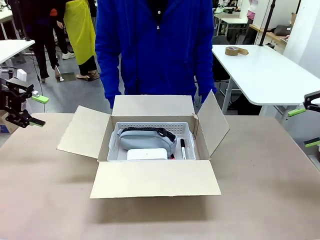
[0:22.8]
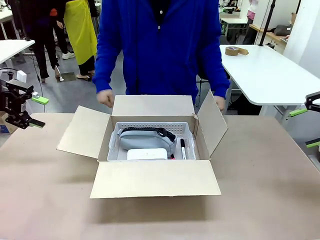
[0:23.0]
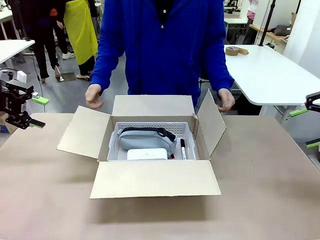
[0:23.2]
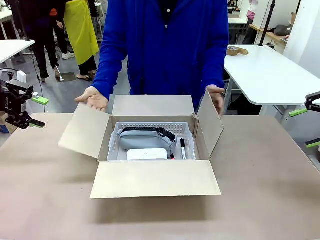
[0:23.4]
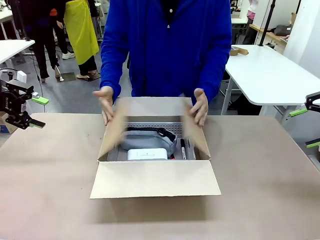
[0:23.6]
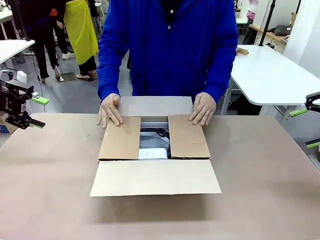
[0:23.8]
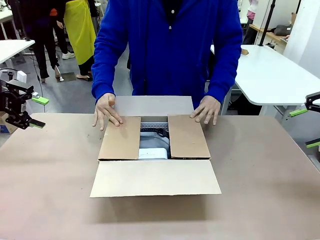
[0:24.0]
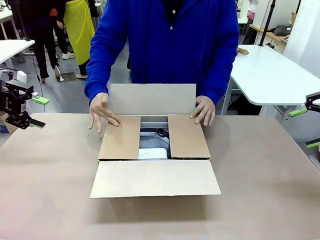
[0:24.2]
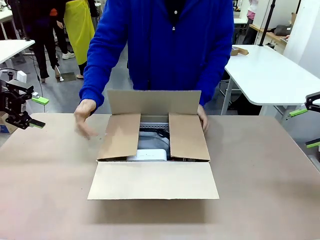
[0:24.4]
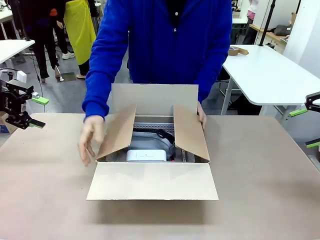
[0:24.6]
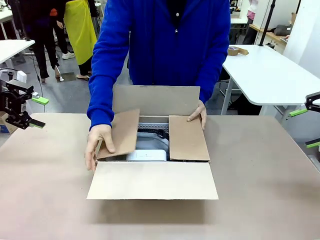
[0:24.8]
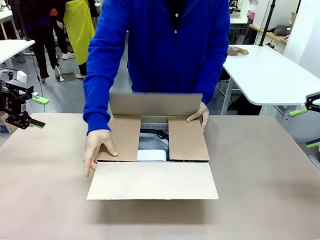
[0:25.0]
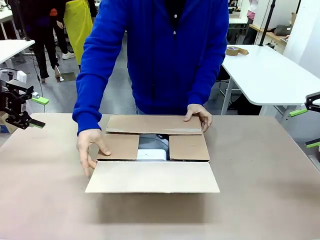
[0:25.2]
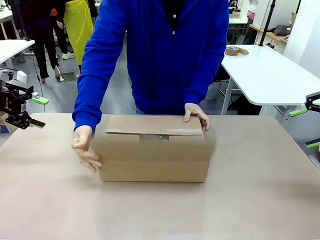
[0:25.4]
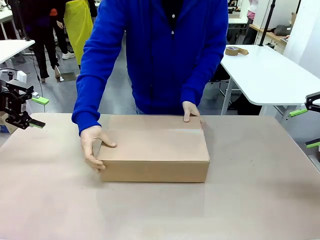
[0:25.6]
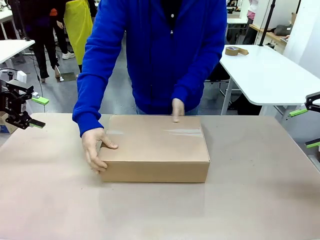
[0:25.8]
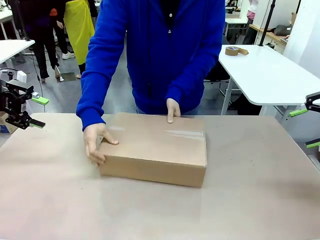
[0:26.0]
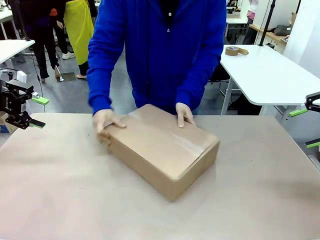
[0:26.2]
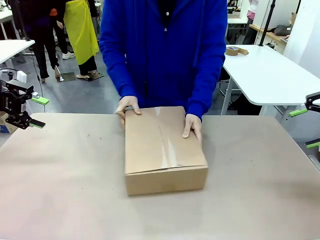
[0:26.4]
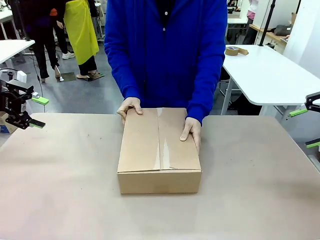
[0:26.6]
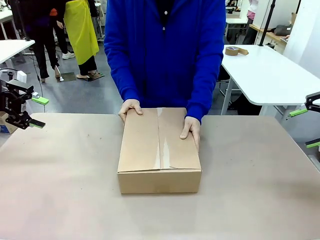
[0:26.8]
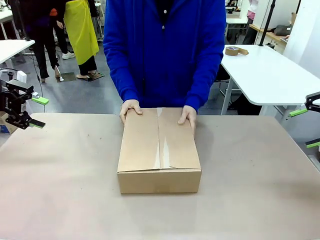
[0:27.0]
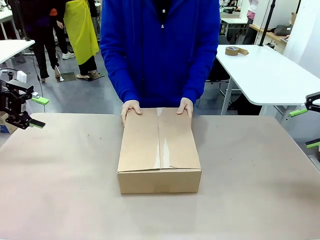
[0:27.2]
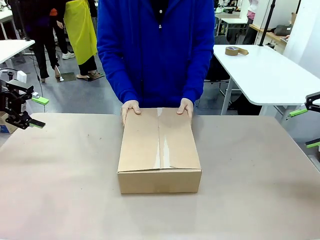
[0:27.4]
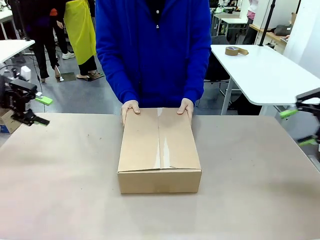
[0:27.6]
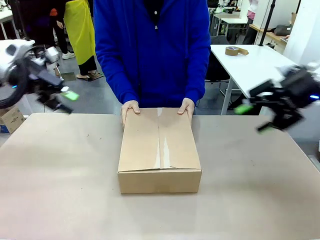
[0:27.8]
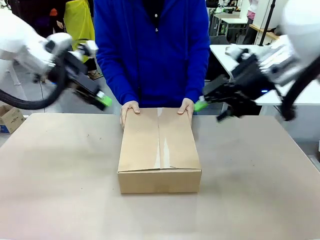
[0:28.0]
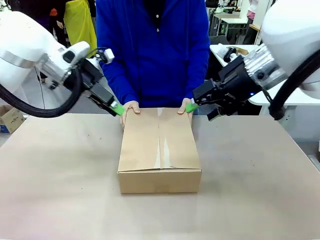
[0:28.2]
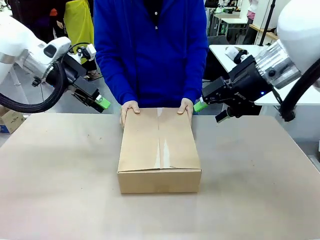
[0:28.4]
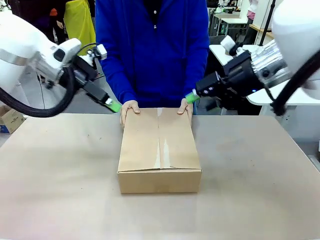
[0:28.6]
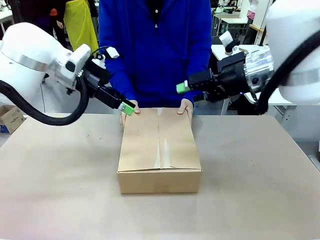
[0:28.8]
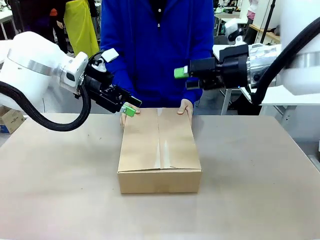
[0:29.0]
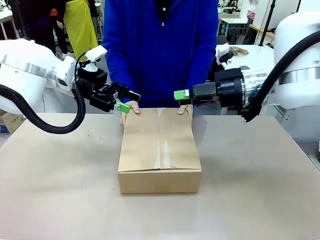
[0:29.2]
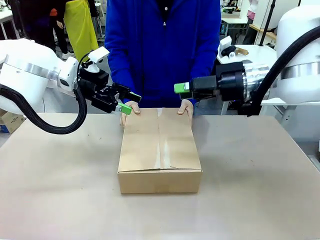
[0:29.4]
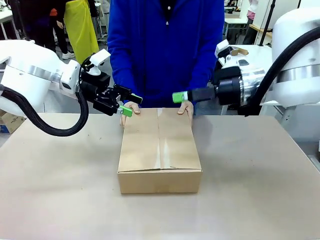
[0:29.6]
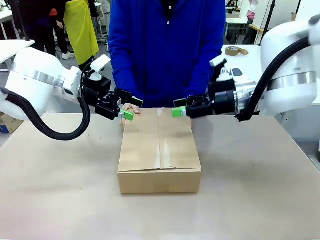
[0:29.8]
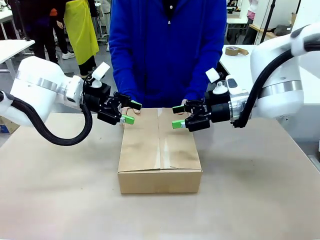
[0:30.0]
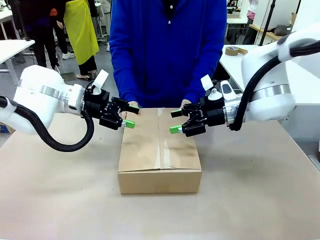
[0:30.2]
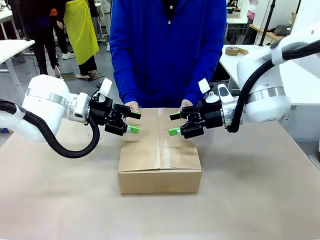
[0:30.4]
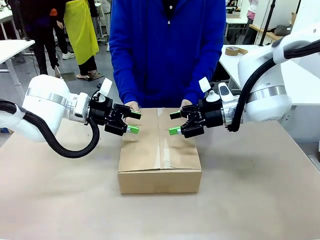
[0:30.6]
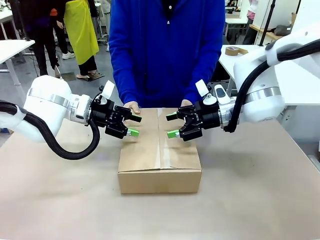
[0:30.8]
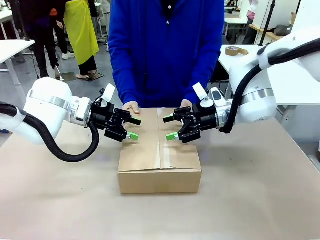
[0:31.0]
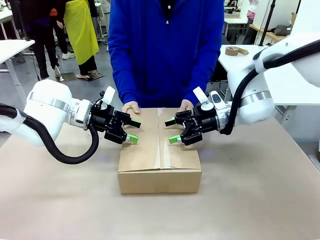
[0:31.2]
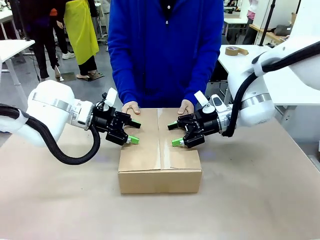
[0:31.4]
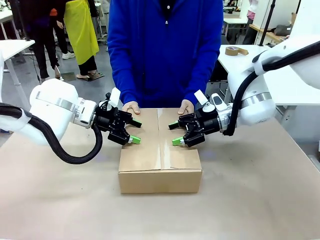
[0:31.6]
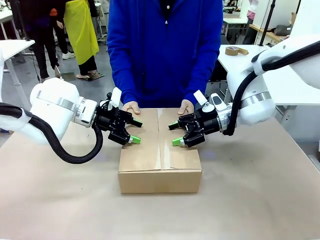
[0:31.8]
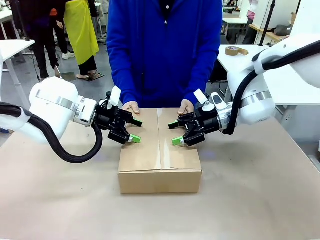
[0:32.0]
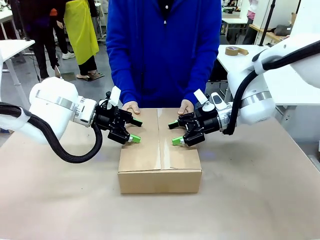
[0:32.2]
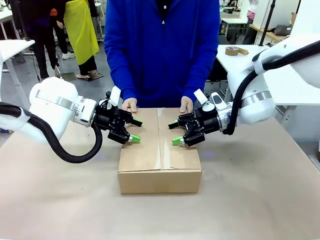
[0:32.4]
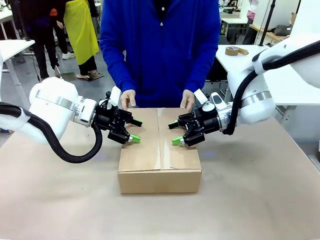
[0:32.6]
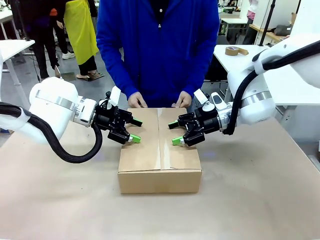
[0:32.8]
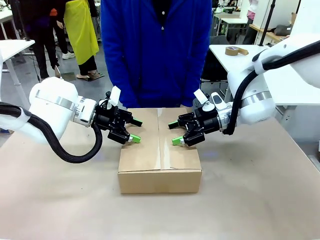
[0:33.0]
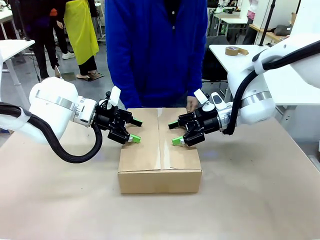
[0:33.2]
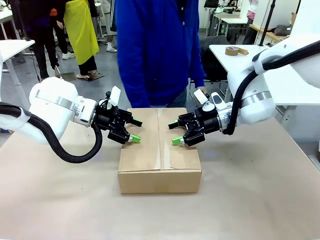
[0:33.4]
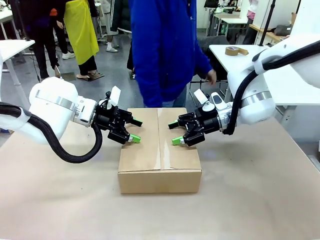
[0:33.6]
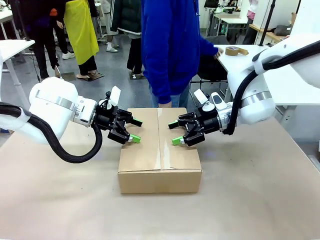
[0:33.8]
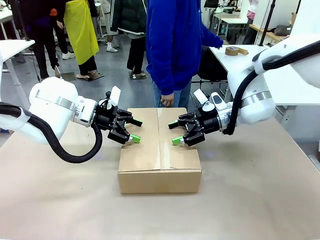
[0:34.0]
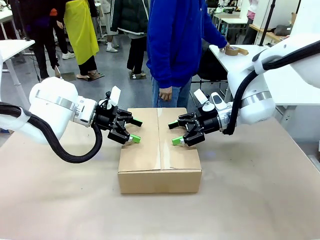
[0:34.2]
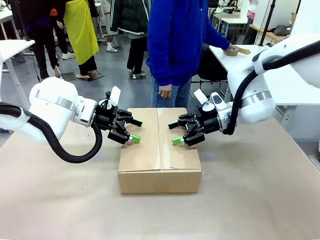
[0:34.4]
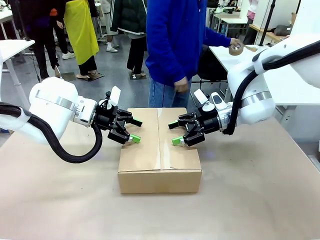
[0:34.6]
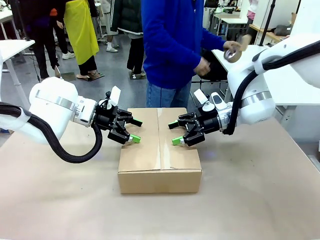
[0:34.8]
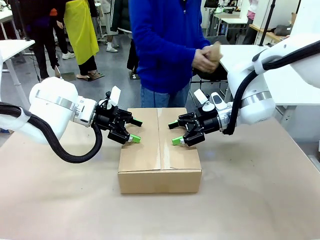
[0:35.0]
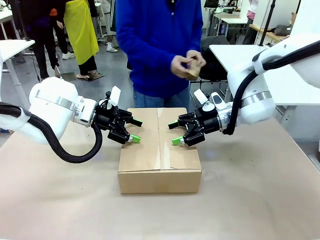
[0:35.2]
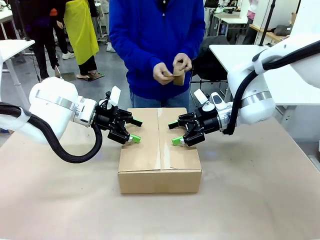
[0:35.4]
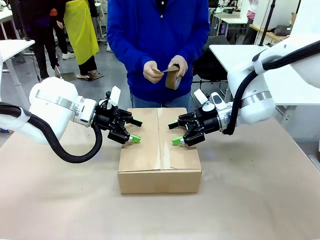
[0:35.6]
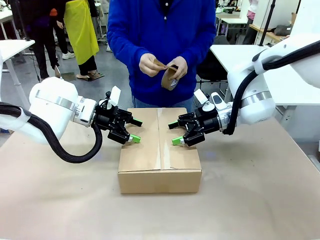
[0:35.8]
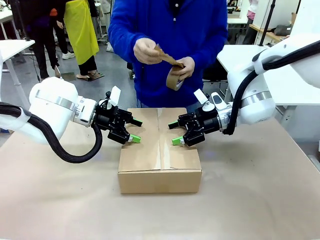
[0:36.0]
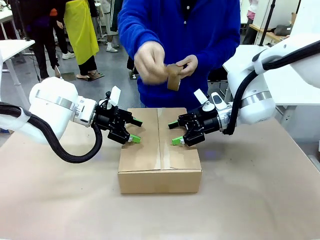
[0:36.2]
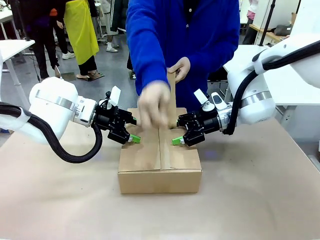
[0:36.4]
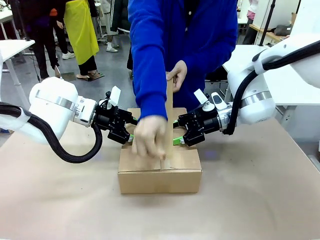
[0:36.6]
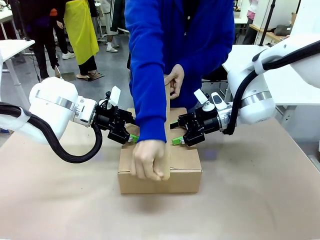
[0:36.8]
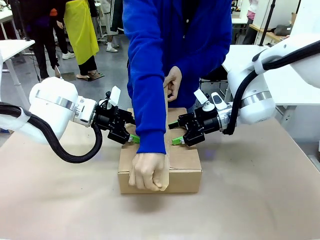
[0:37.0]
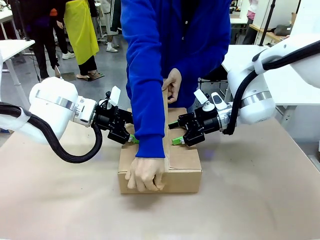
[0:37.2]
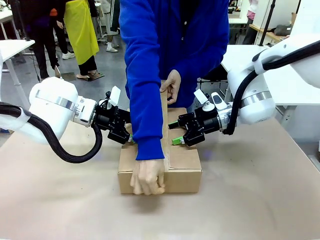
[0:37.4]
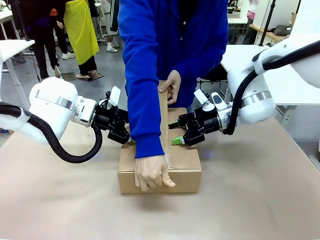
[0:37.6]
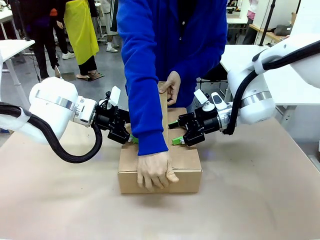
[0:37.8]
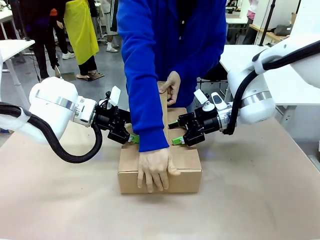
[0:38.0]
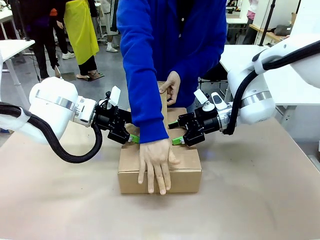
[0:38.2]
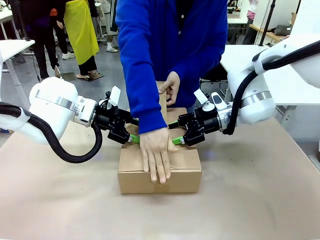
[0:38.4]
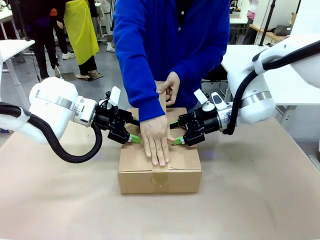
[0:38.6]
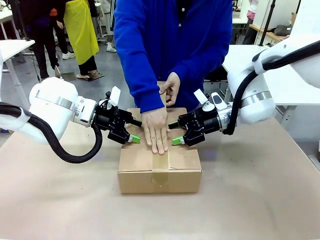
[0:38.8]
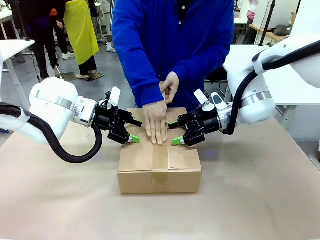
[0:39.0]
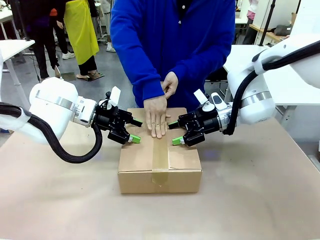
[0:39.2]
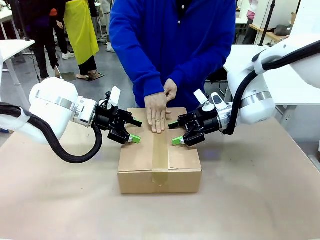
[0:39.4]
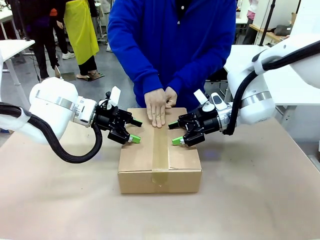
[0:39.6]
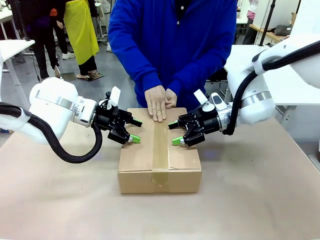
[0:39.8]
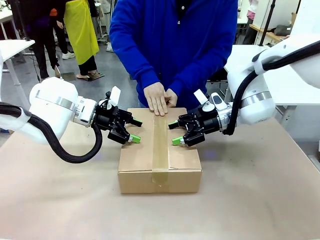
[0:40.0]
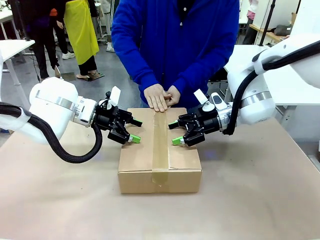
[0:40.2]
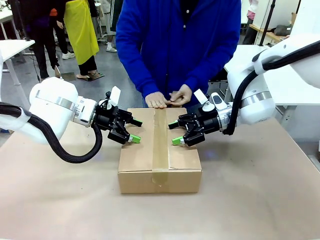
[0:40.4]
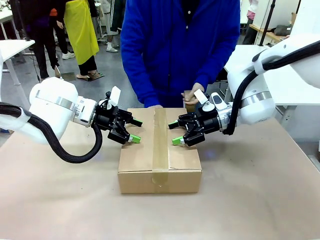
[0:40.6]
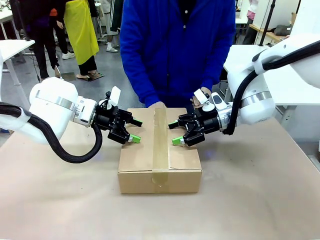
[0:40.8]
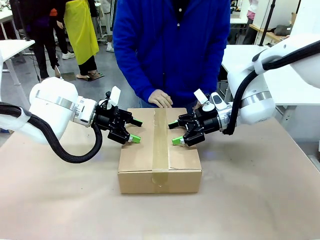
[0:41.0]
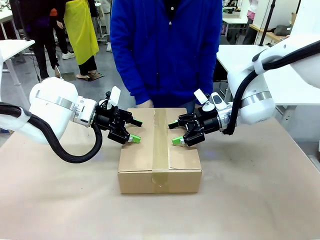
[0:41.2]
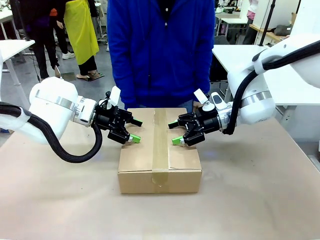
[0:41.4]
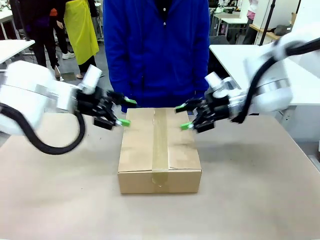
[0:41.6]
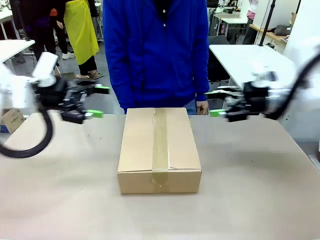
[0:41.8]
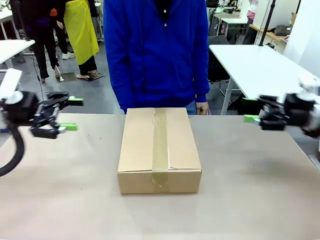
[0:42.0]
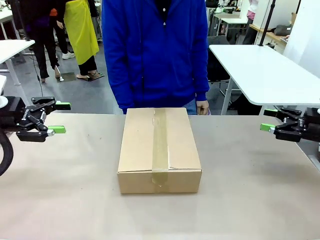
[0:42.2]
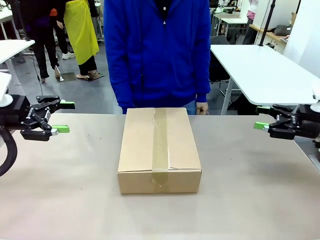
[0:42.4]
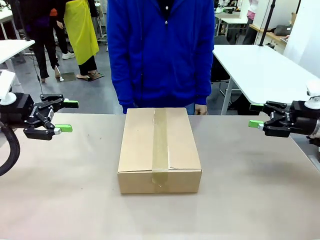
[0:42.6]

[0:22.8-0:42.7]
Task: Pack the gift set into the box.
Robot: Press and hold the closed box until the human finishes sealing it.
Person: The human closes the box and rotates the box by 90 degrees. The human picks up the paper tape from the human table and packs the box.
